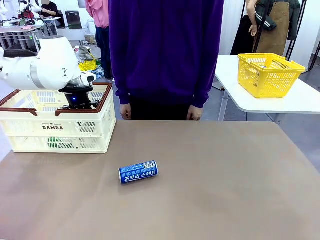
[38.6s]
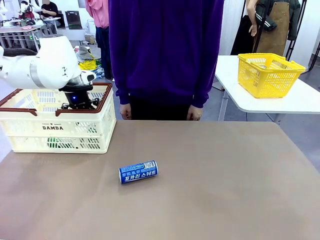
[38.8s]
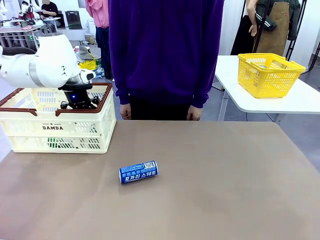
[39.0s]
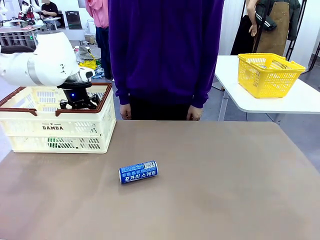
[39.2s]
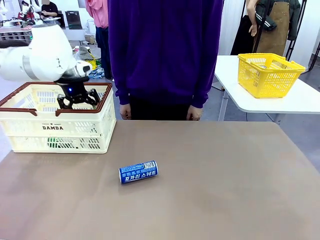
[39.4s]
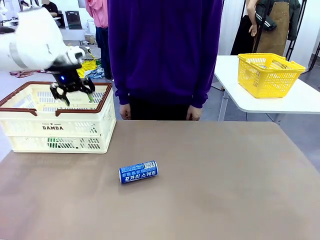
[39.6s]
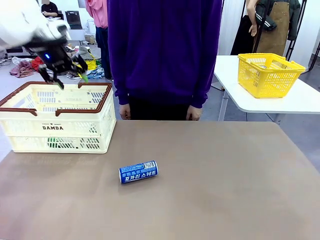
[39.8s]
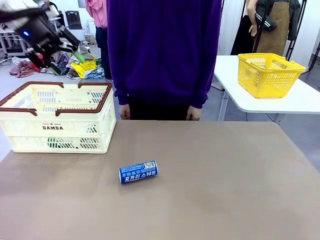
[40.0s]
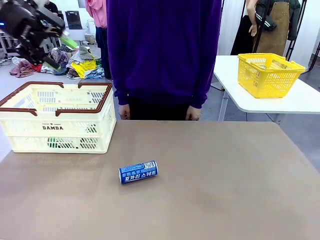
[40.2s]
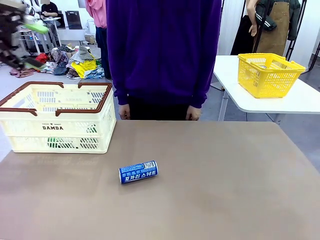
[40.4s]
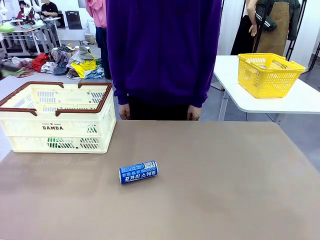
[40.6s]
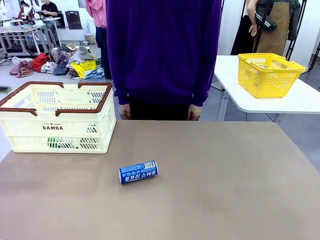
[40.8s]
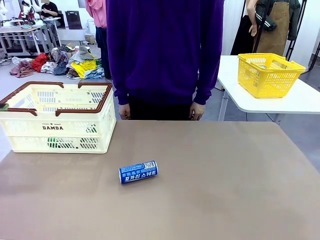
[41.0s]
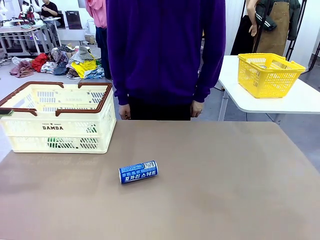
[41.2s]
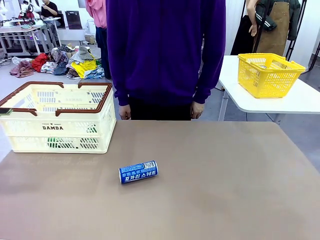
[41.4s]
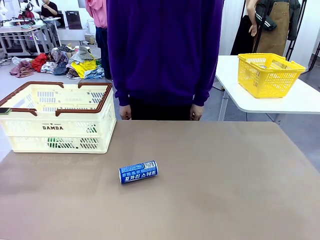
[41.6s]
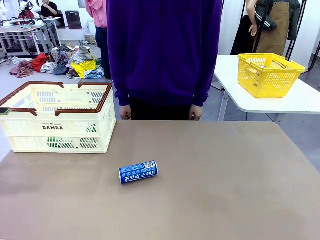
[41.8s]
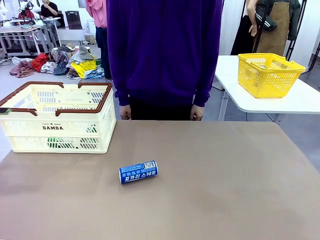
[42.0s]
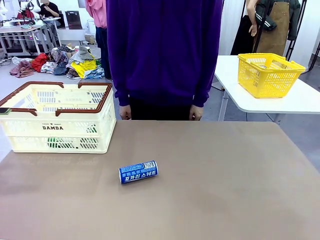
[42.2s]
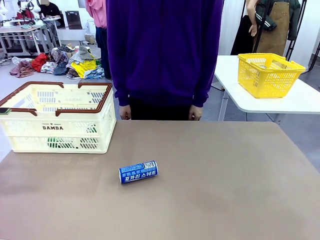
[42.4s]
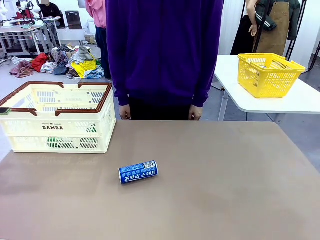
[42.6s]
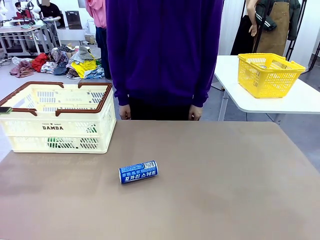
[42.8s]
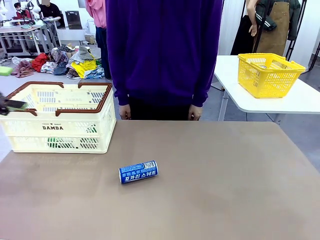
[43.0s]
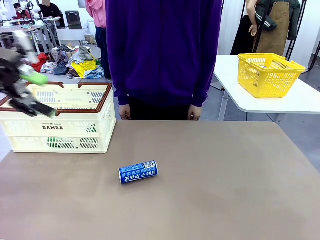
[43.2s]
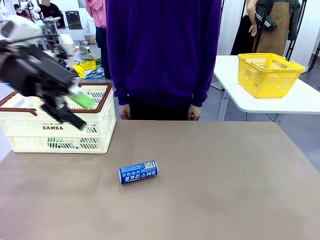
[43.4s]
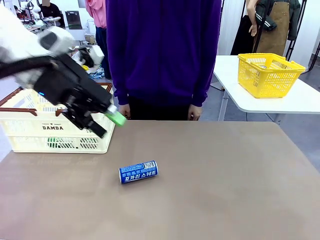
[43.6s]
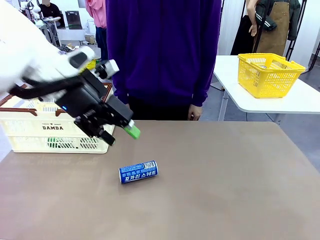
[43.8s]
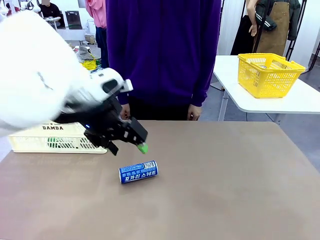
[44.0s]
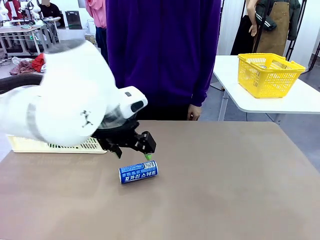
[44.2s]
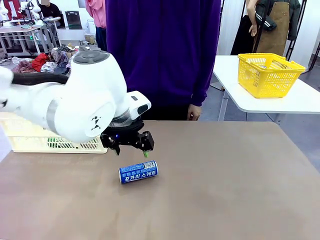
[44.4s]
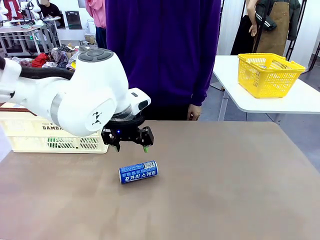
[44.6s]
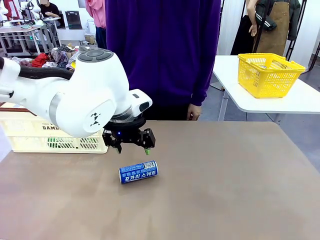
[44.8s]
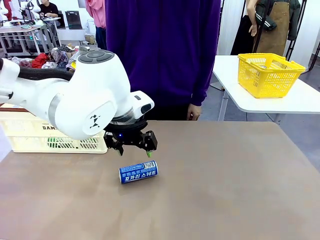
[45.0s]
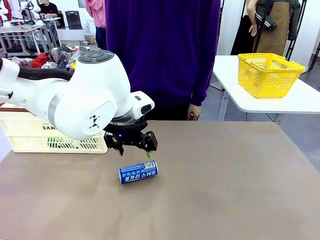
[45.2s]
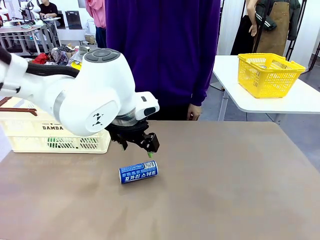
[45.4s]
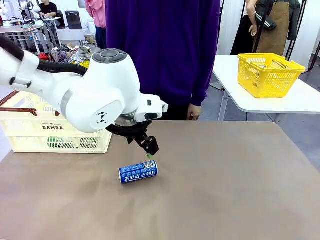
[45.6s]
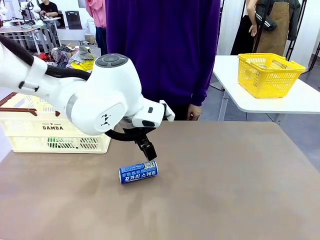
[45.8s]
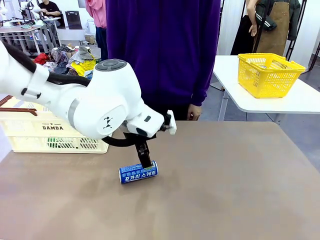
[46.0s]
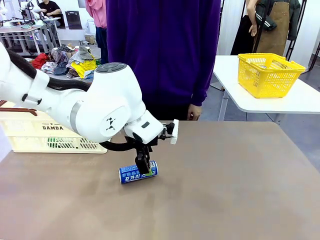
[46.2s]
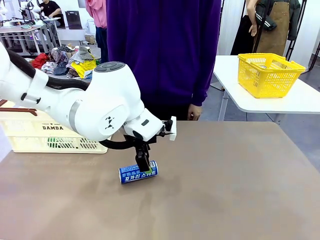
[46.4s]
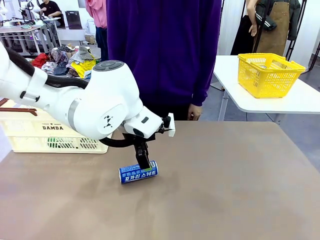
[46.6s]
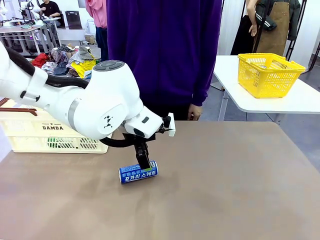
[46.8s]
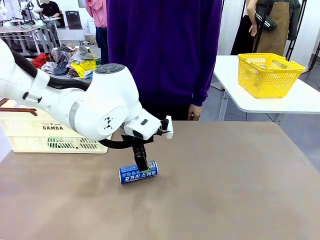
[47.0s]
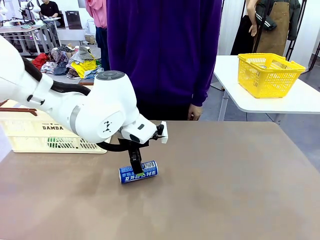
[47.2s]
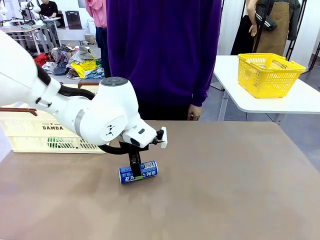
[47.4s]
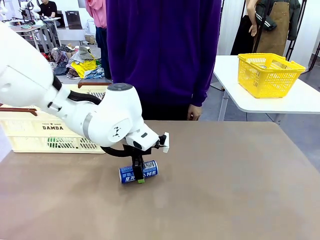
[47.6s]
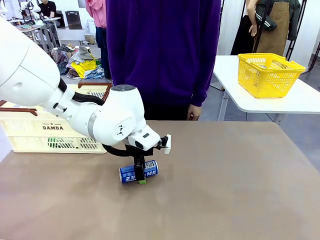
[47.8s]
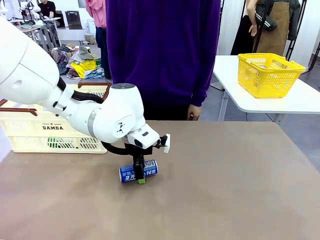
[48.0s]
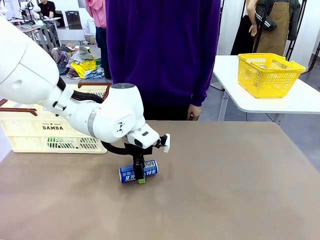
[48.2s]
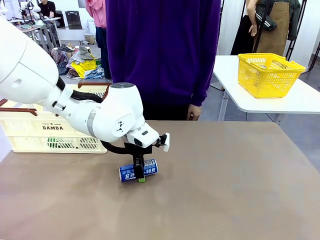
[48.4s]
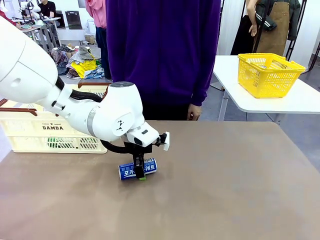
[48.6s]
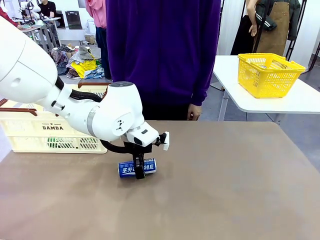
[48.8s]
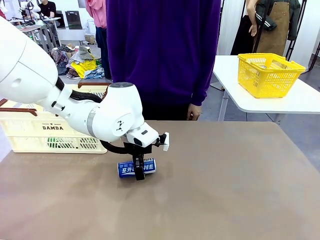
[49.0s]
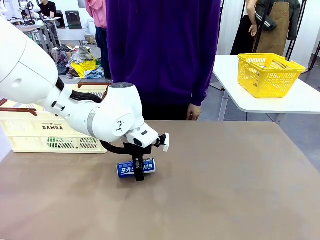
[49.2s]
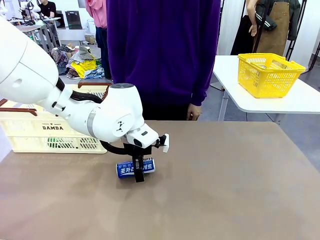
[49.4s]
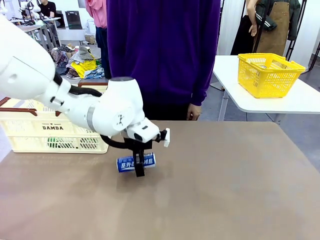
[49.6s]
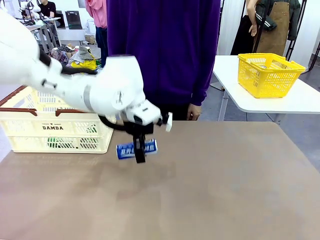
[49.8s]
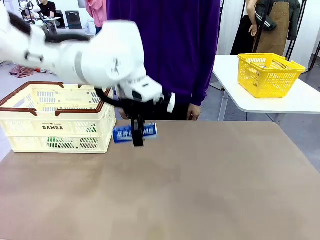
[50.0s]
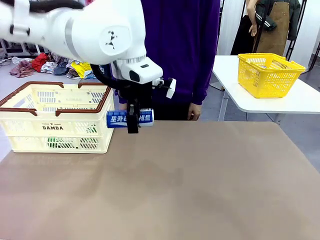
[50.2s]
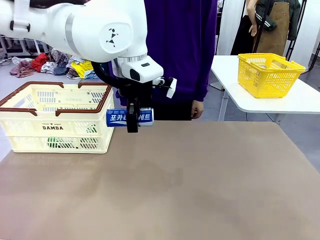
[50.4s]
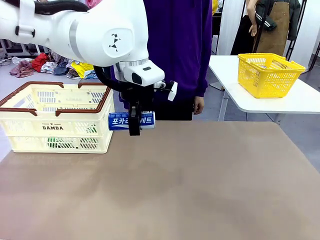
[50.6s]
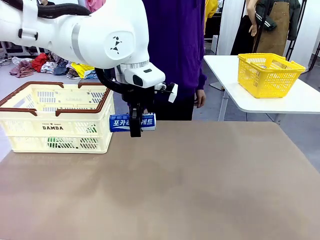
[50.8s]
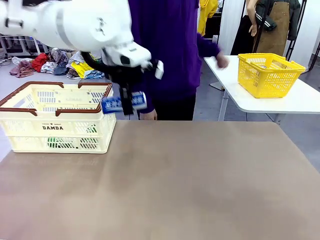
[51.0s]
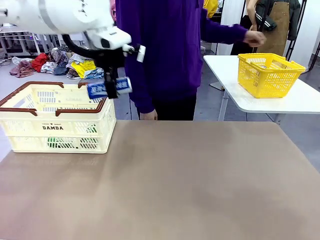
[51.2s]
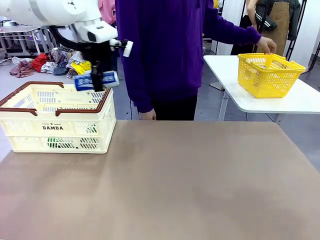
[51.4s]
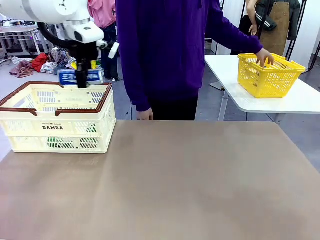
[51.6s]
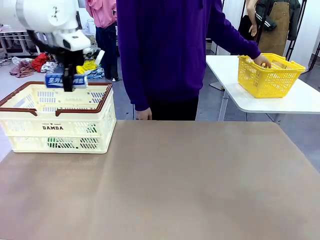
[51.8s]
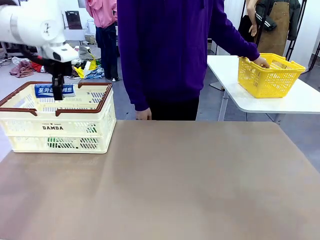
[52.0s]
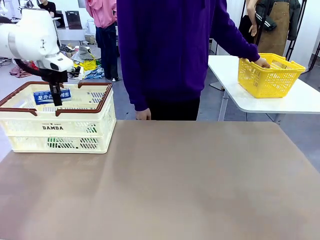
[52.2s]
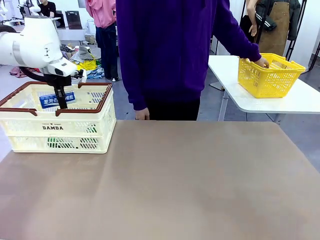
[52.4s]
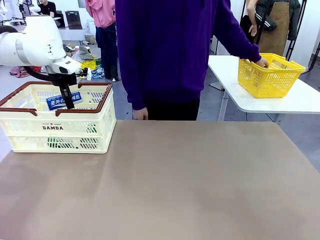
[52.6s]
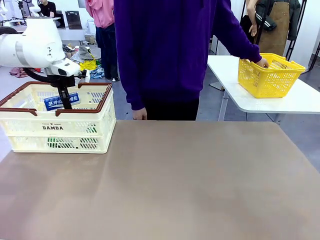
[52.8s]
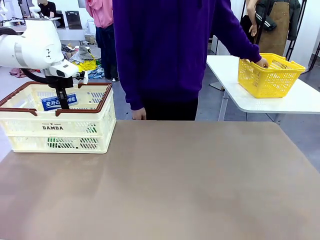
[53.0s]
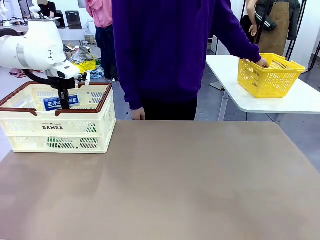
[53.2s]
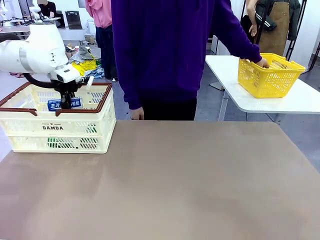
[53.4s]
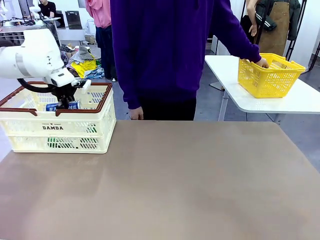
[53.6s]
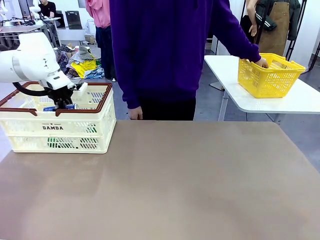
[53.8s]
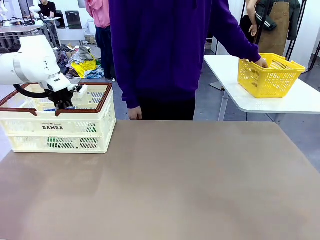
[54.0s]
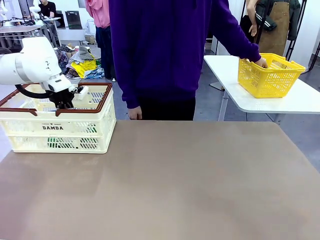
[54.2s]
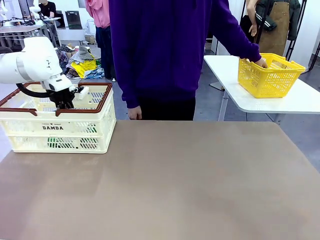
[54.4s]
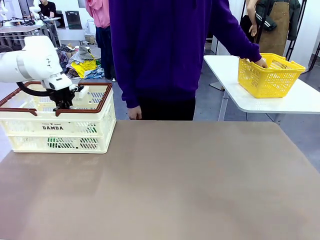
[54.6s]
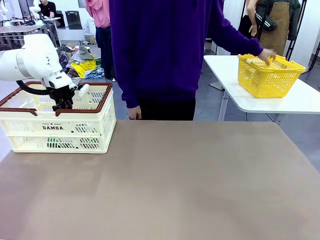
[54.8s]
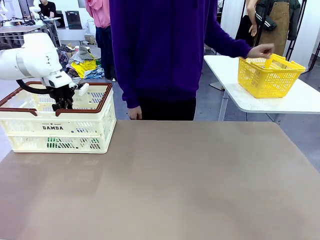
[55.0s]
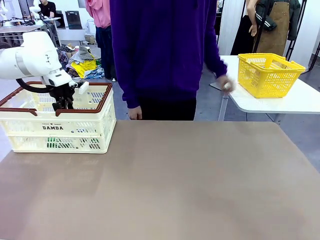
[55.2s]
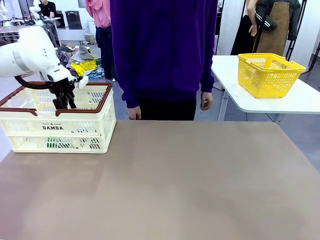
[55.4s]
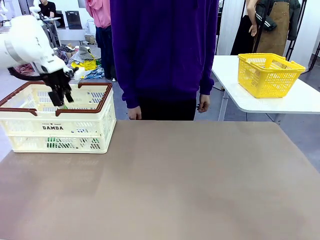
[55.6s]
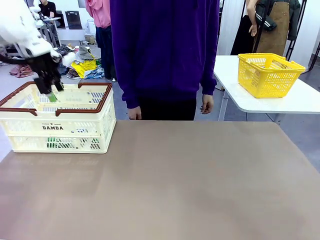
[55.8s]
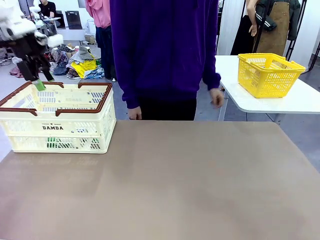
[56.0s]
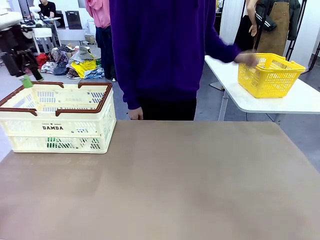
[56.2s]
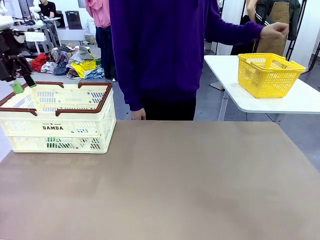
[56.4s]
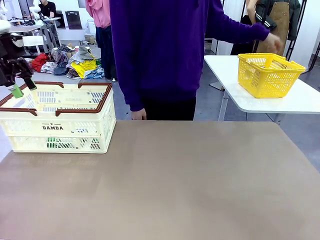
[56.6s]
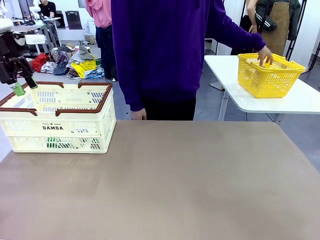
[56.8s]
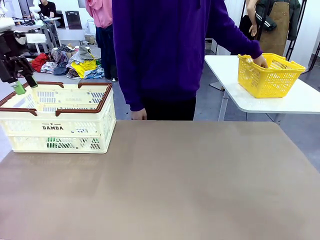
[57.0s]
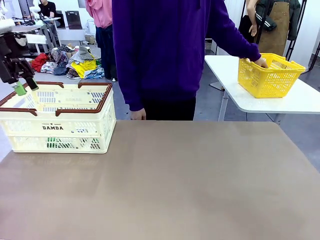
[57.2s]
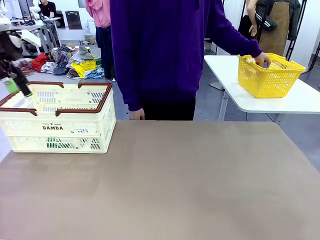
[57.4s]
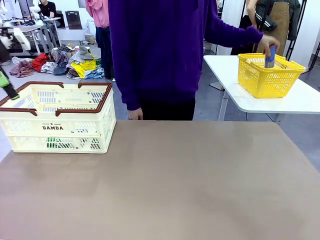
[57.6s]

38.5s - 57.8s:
Task: Place the drinks into the Shopping basket.
Robot: Pick up one drink and place it into the Shopping basket.
